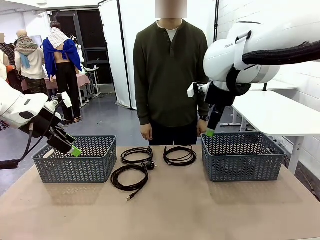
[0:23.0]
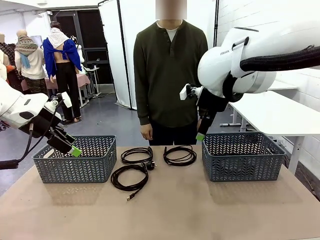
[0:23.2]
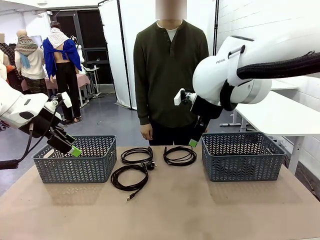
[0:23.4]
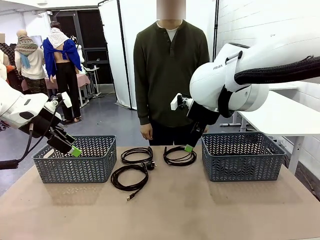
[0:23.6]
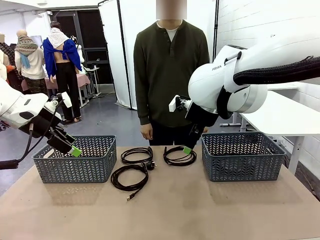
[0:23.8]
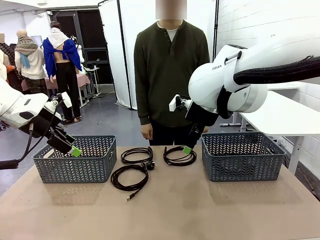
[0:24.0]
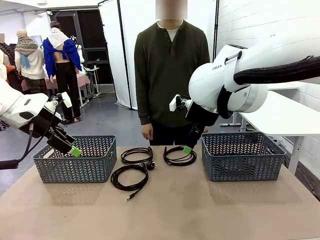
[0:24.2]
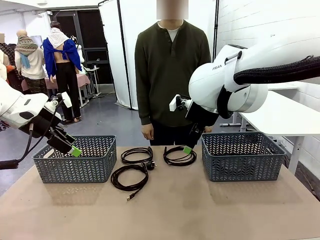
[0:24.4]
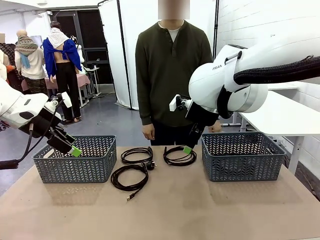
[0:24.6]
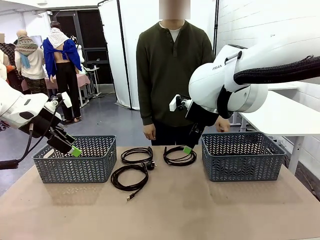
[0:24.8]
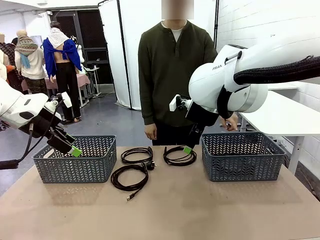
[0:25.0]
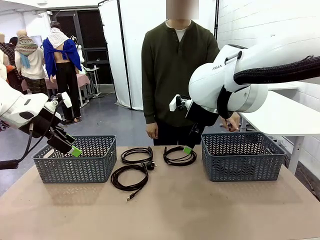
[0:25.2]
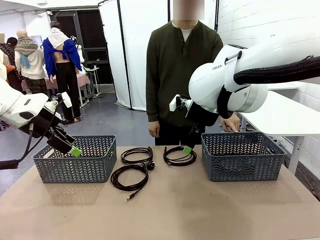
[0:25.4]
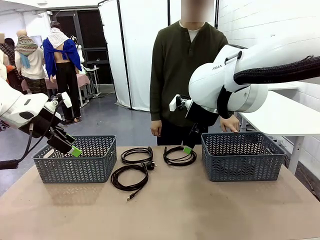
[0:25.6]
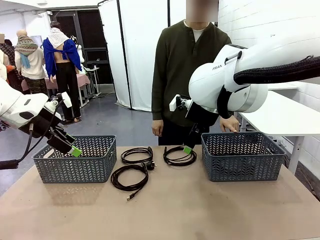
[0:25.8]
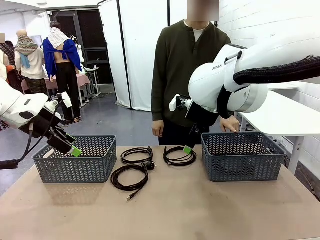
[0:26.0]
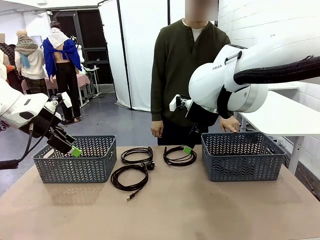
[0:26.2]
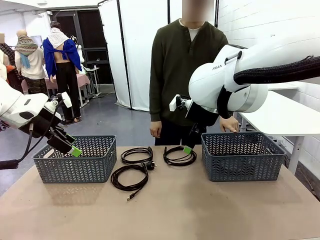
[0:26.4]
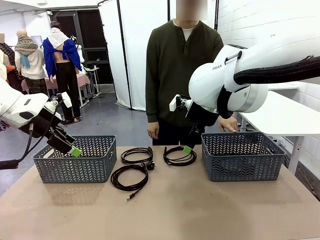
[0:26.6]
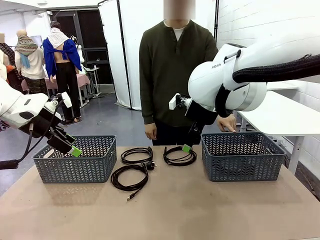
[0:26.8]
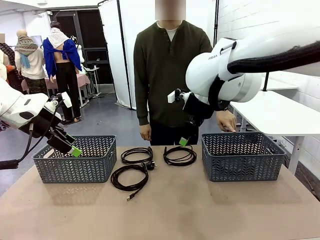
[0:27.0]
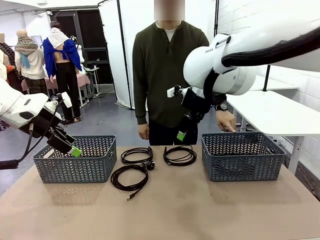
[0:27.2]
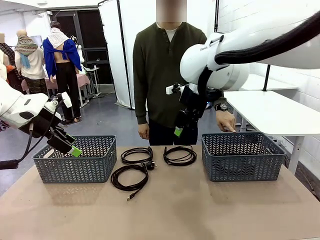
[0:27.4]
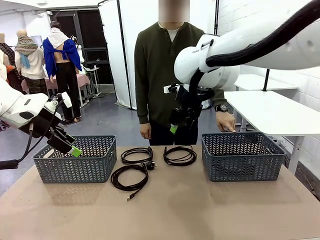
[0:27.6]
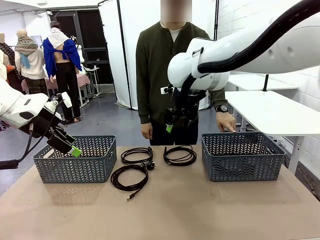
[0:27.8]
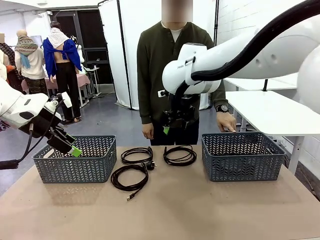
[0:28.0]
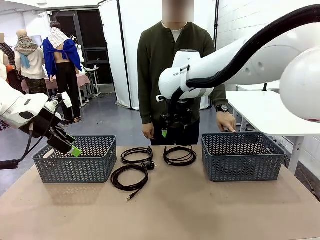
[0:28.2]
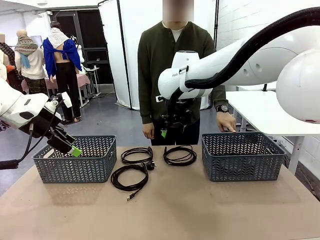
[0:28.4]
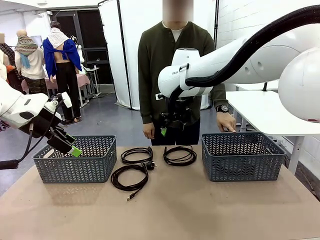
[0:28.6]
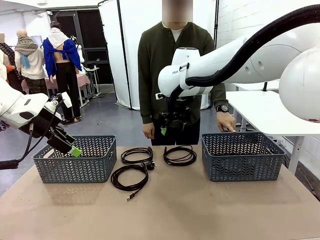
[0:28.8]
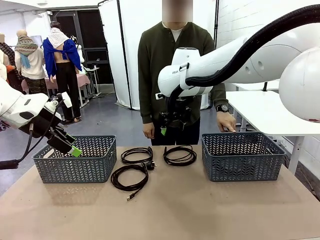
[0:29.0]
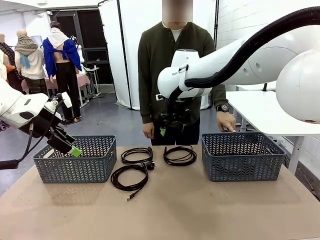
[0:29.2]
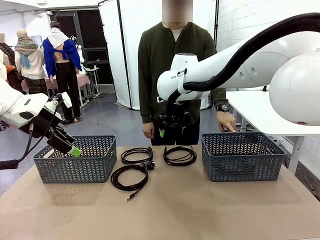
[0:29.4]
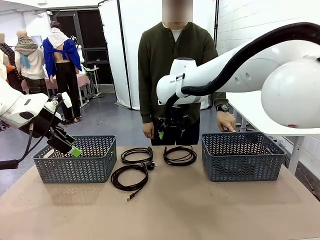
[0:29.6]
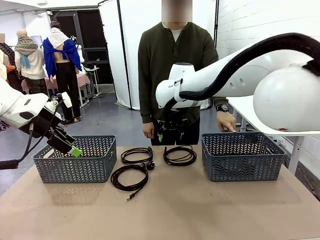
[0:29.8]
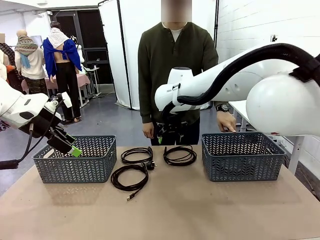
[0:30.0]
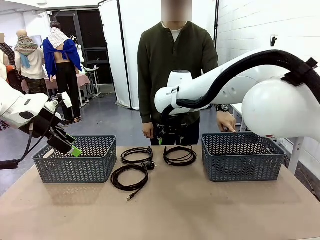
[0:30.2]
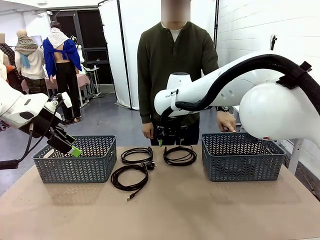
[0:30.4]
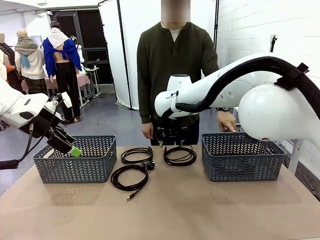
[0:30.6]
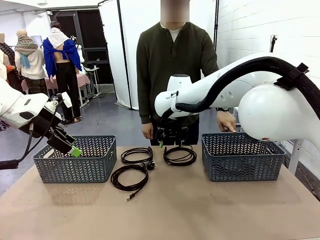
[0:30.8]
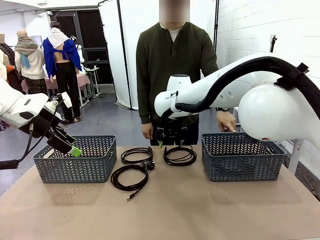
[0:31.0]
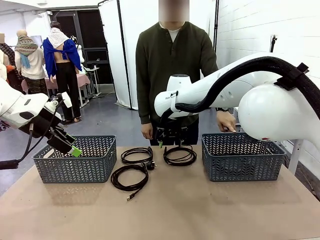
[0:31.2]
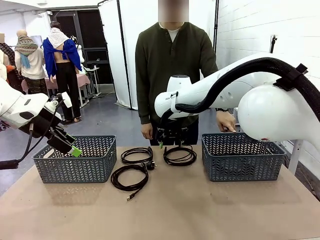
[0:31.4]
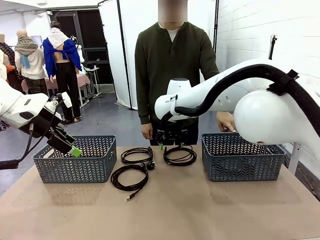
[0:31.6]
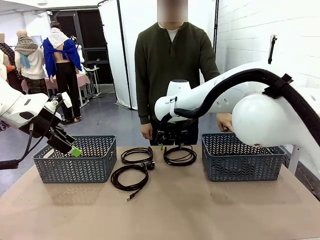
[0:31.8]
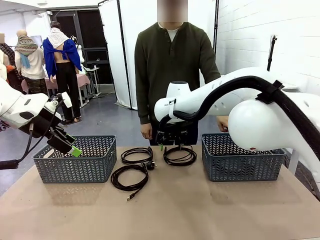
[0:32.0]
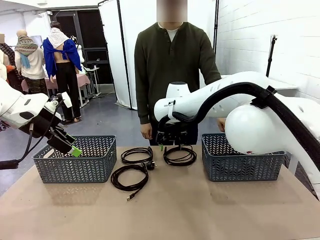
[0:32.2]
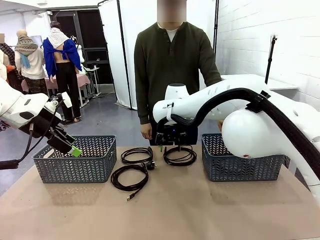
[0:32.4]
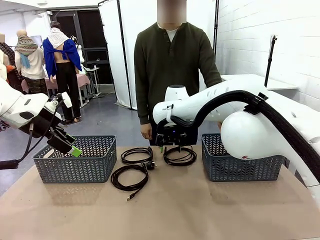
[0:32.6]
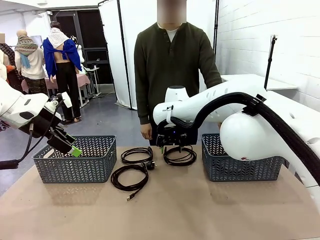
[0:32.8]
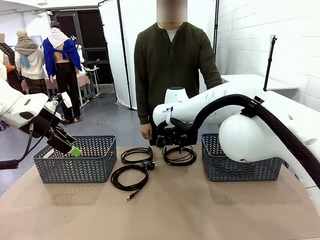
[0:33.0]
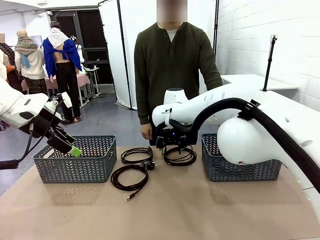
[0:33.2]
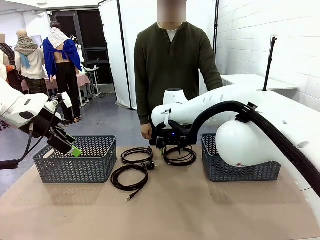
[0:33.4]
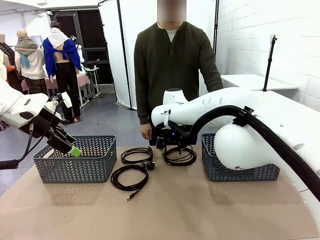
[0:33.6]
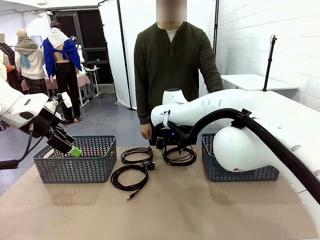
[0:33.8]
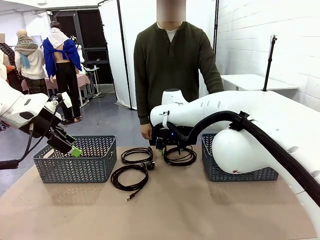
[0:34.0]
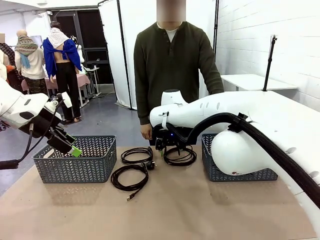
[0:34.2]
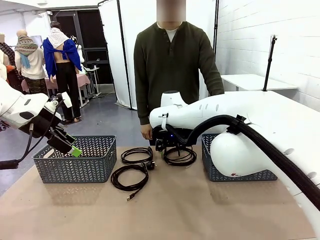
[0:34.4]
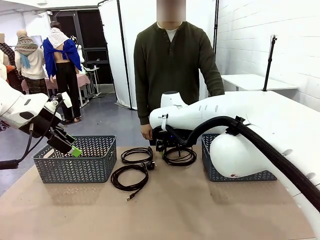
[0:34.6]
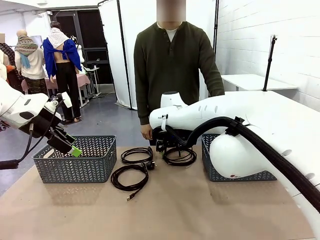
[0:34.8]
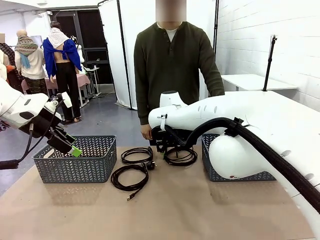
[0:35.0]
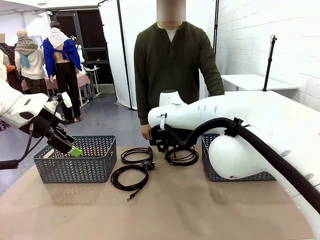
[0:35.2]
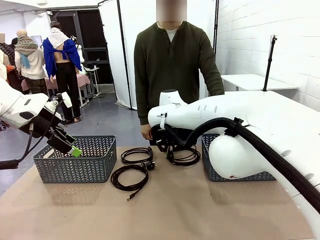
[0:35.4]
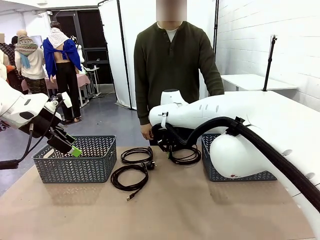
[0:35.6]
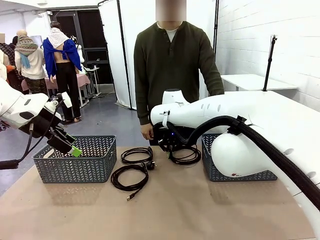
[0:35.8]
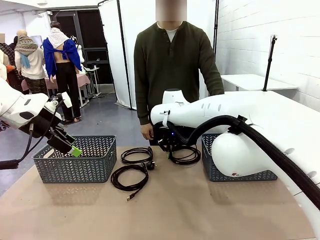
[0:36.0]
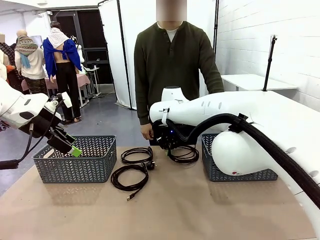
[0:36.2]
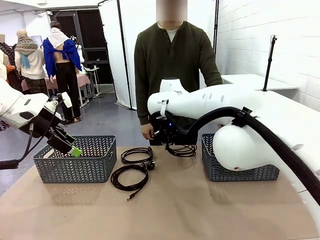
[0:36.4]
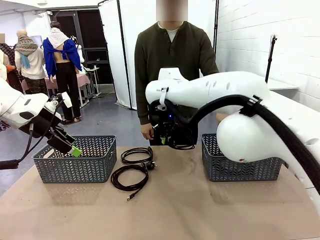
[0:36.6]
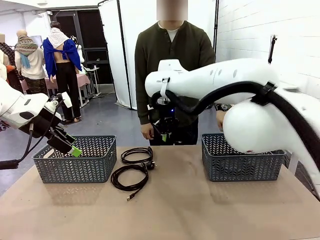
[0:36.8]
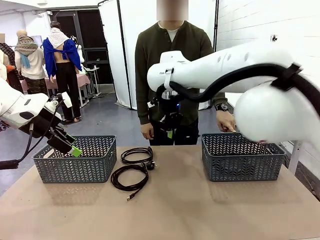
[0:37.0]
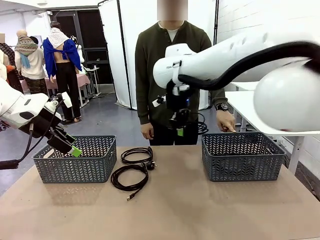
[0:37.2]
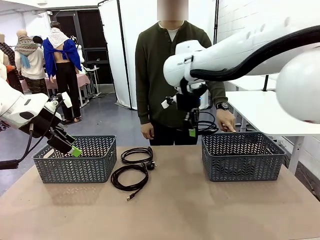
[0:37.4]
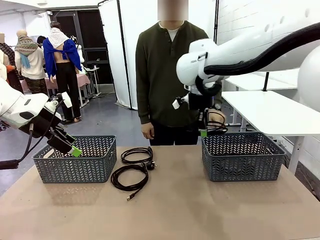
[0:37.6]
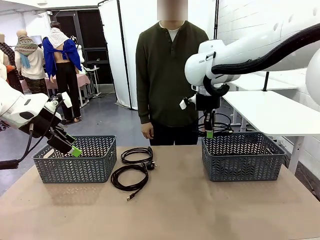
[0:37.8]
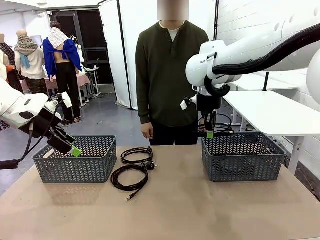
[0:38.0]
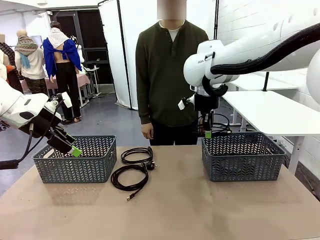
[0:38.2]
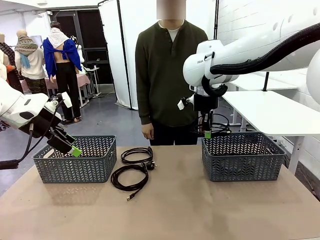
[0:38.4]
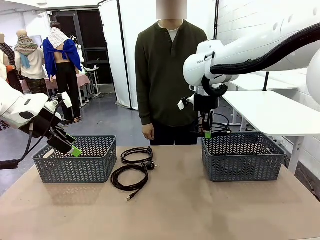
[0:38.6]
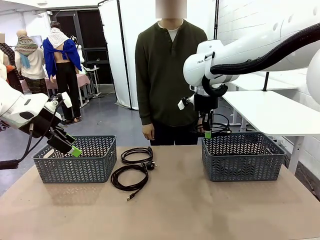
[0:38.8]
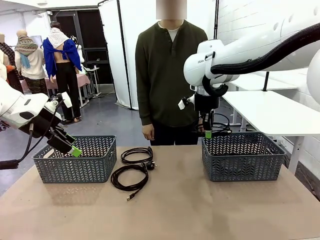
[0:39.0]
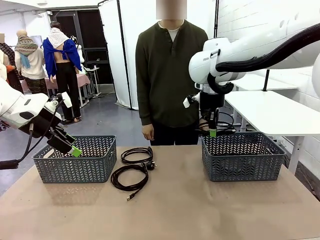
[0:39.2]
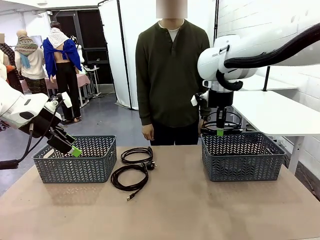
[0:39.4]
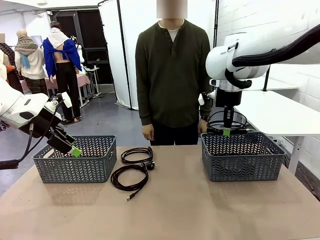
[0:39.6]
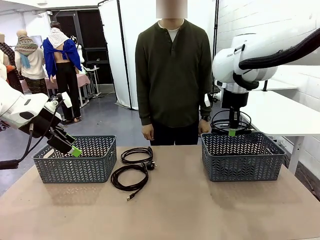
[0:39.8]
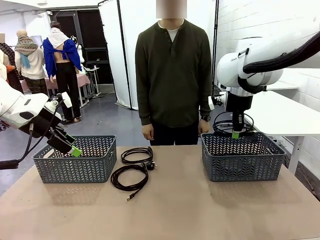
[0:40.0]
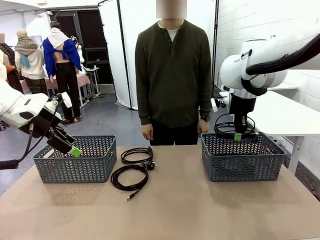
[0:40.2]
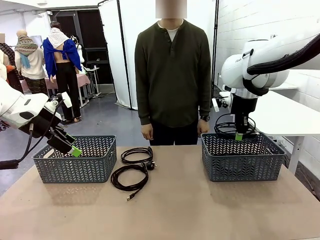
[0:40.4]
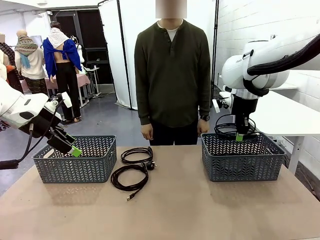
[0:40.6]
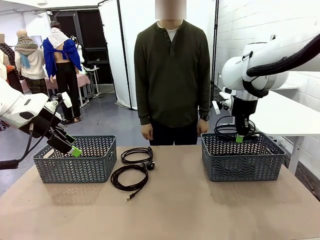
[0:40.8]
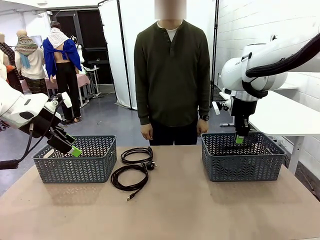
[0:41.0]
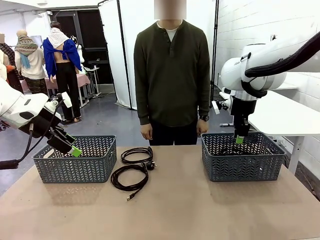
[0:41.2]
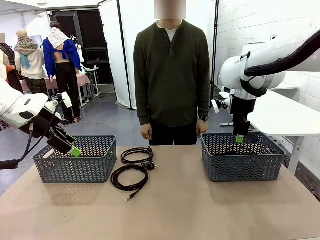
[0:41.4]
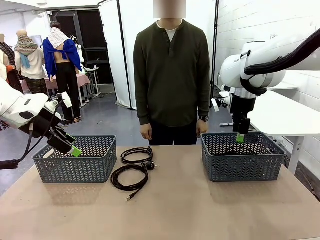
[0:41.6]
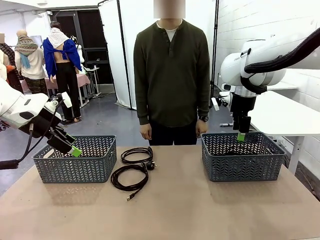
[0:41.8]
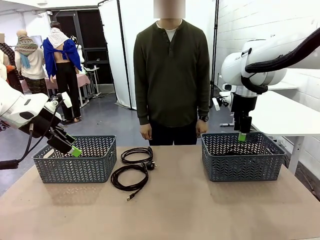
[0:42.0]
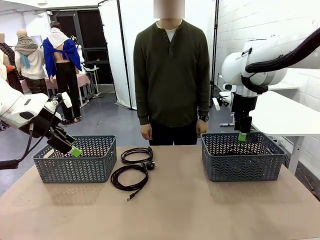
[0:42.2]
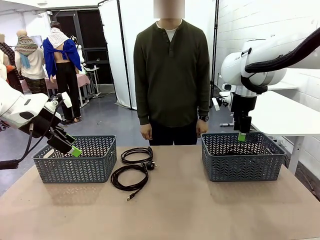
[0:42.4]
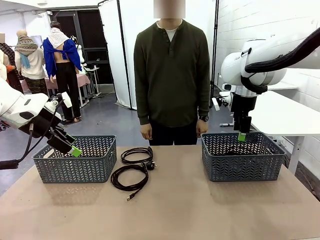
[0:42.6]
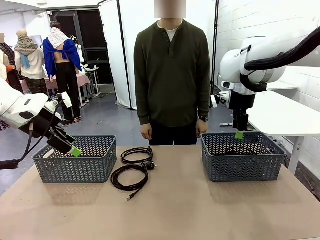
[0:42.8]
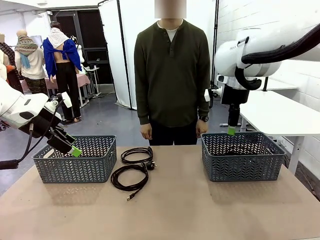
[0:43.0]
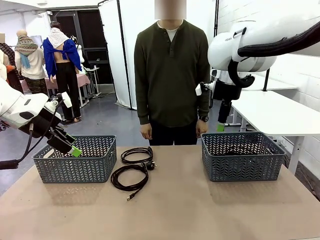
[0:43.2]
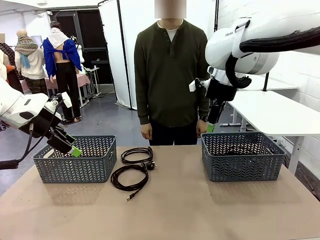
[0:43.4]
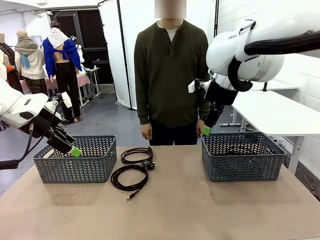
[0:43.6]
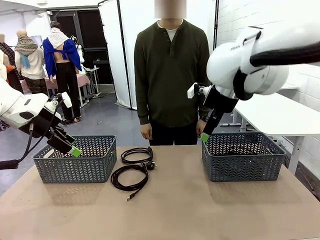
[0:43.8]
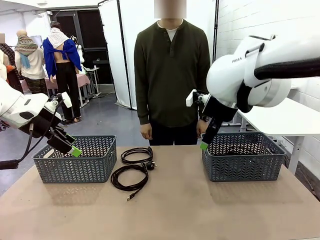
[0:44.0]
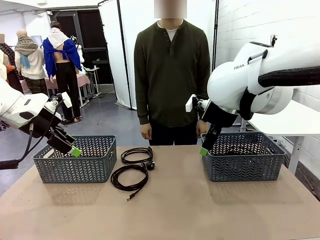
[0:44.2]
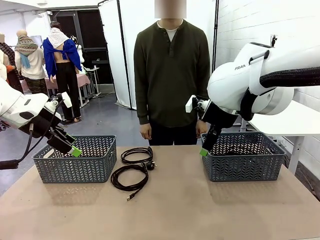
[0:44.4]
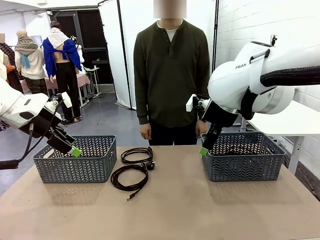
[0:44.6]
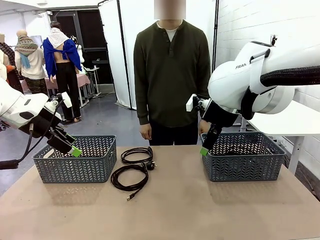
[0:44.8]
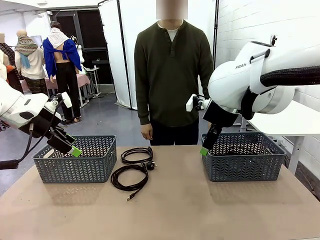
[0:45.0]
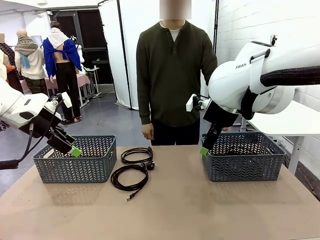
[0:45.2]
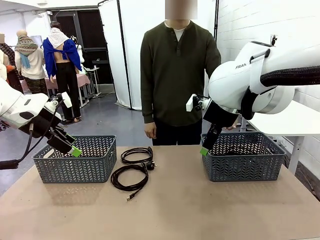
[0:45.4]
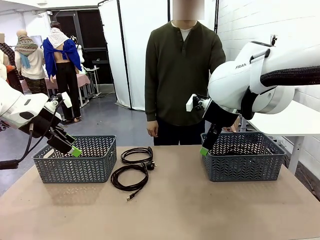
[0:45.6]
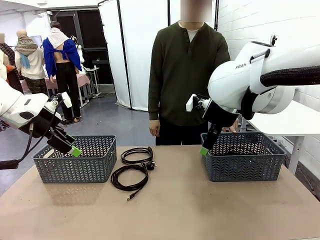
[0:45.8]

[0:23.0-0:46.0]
Task: Organize the cables according to human instructions.
Robot: Pick up a bundle of cables and place it in the basket indicated by the human.
